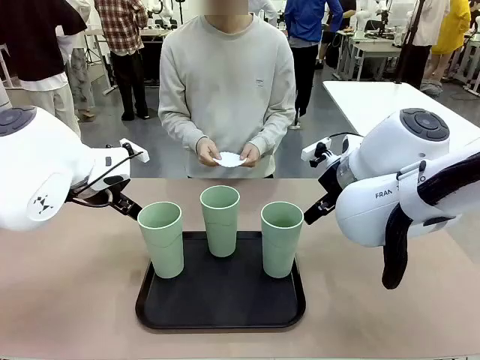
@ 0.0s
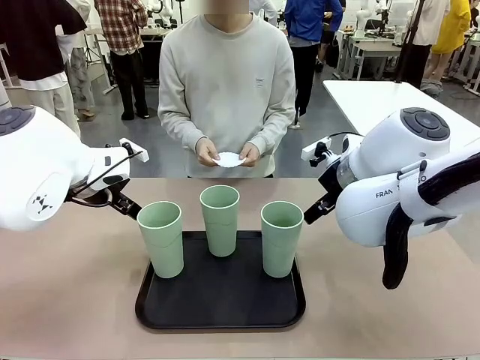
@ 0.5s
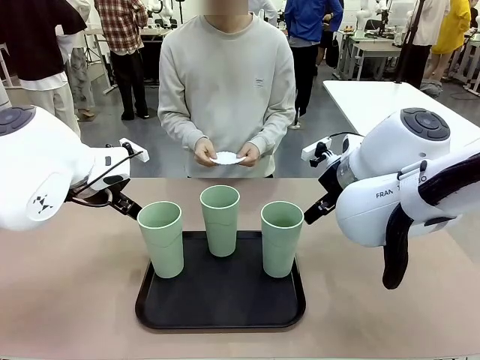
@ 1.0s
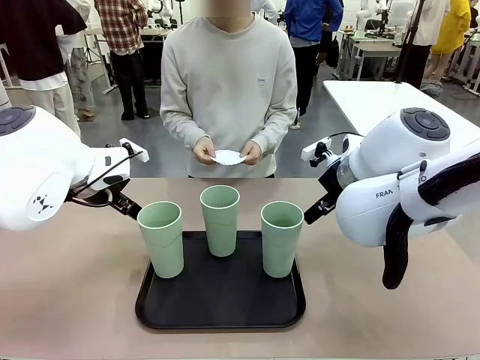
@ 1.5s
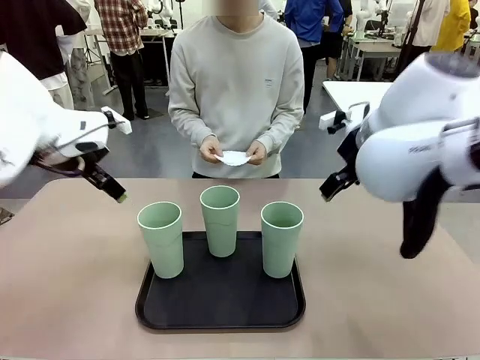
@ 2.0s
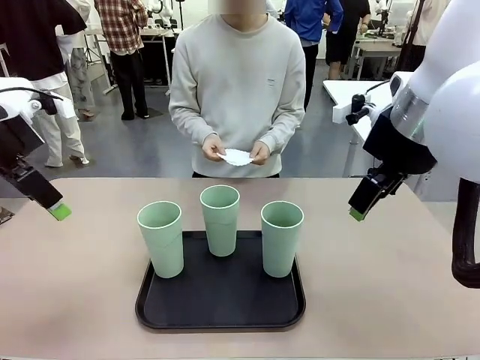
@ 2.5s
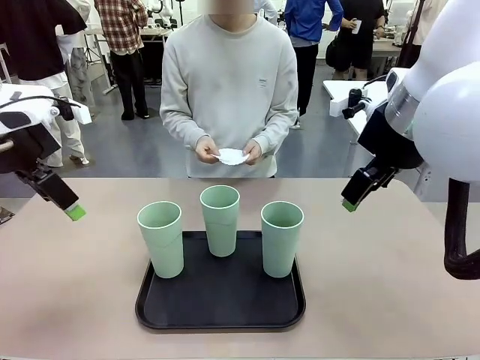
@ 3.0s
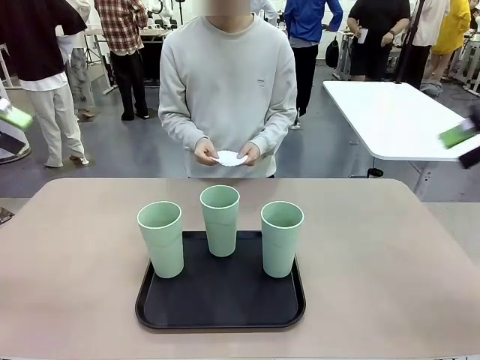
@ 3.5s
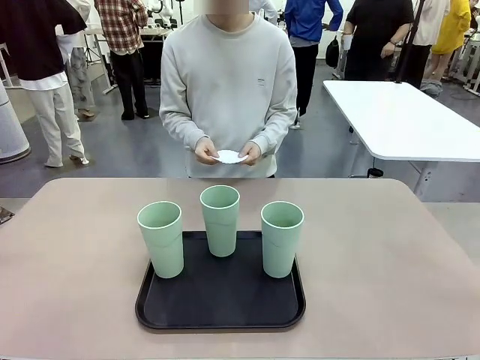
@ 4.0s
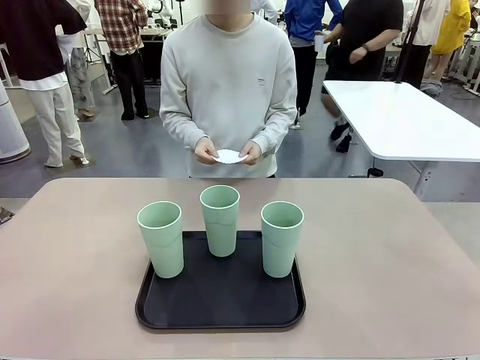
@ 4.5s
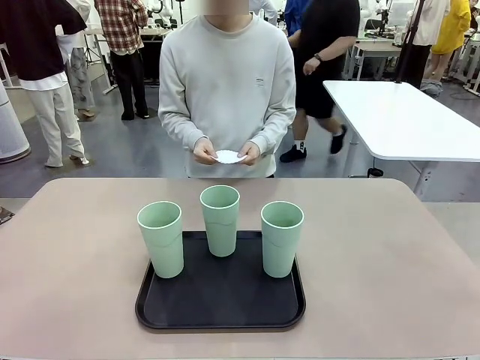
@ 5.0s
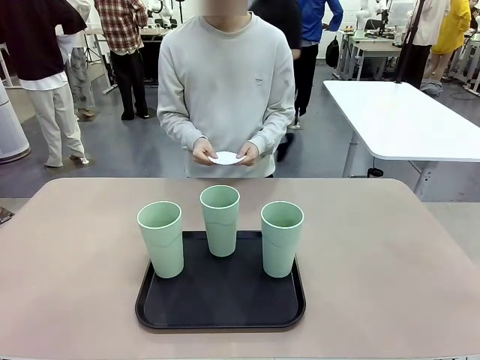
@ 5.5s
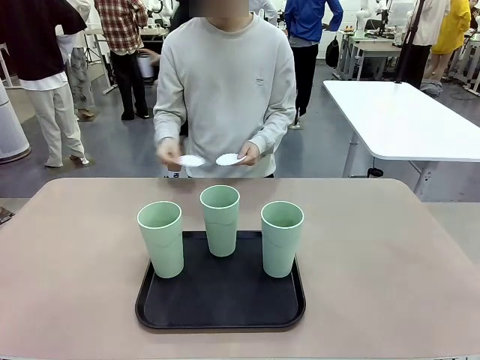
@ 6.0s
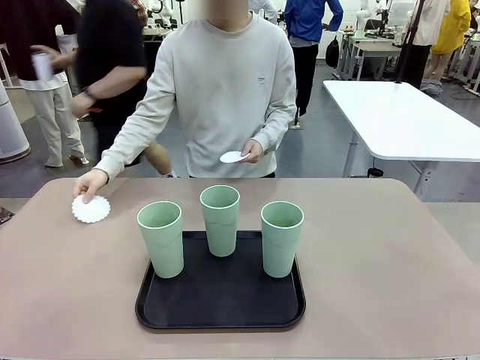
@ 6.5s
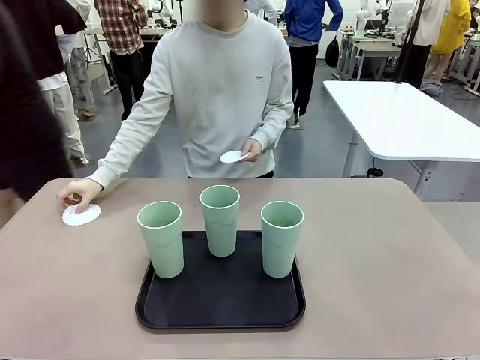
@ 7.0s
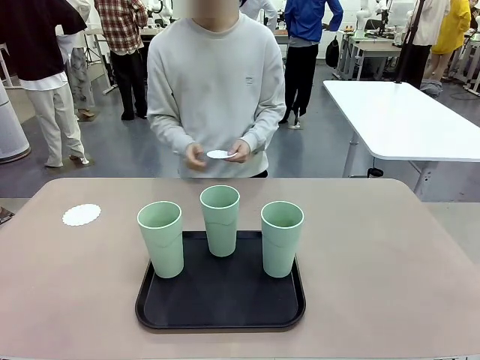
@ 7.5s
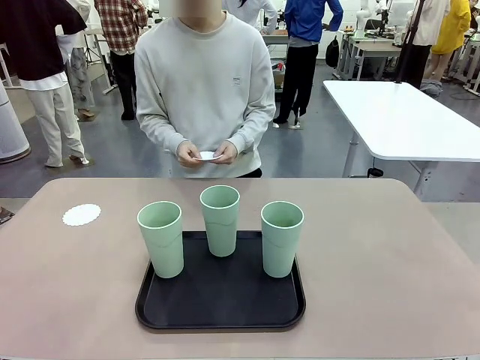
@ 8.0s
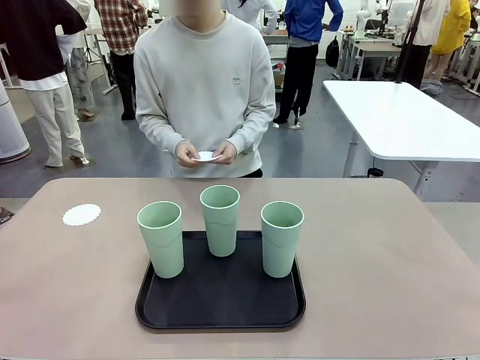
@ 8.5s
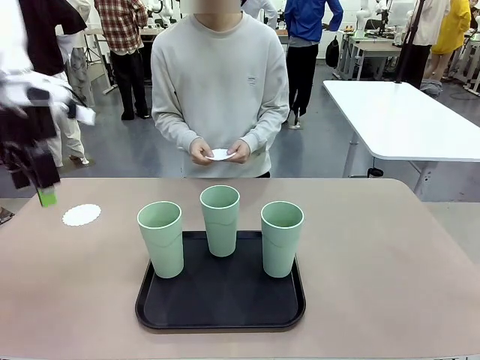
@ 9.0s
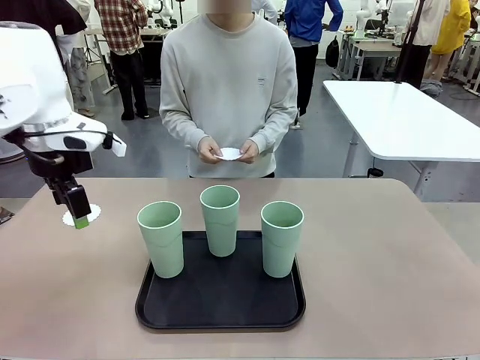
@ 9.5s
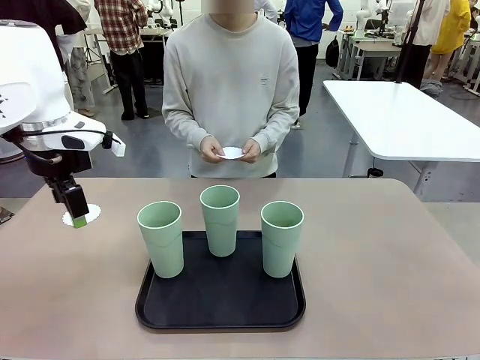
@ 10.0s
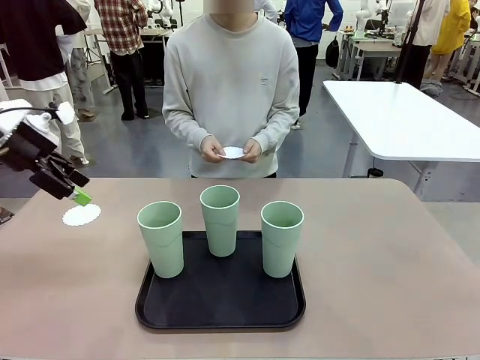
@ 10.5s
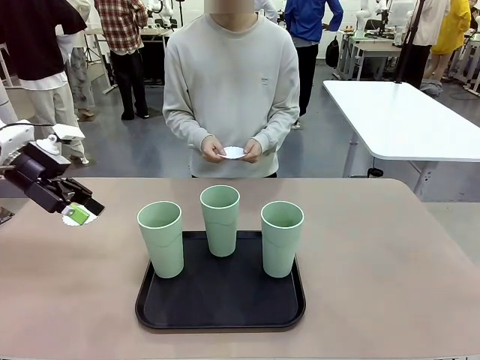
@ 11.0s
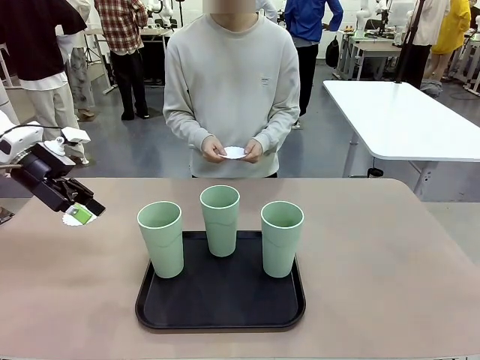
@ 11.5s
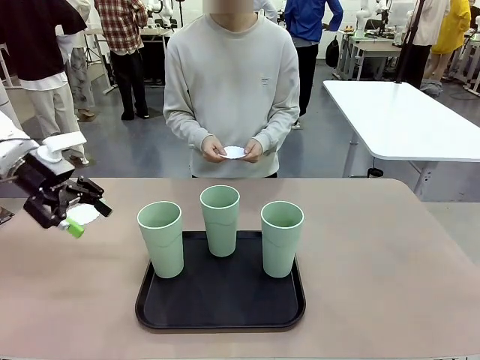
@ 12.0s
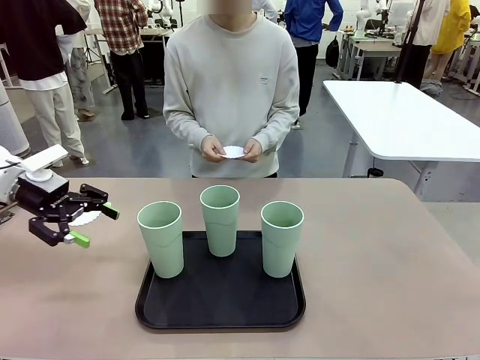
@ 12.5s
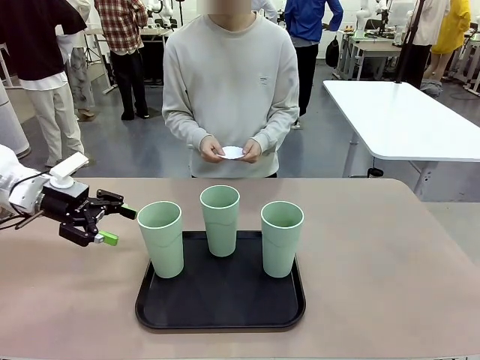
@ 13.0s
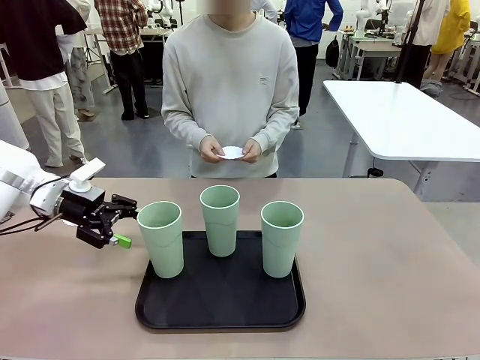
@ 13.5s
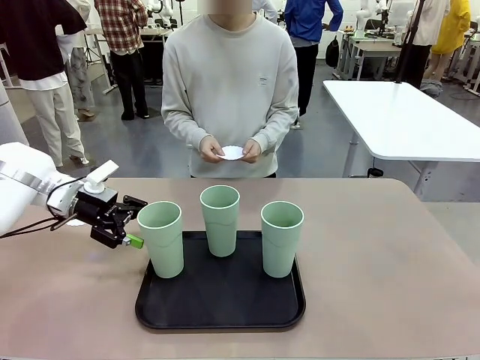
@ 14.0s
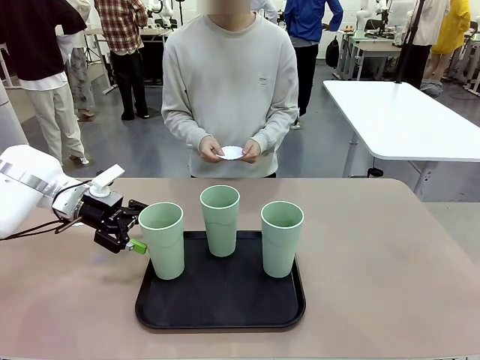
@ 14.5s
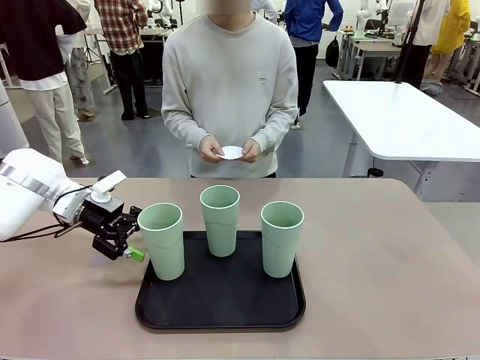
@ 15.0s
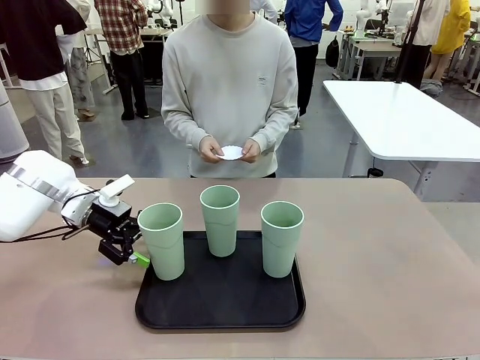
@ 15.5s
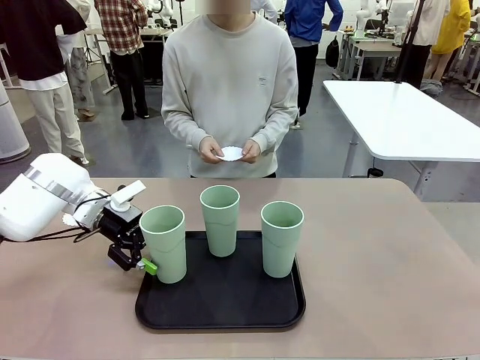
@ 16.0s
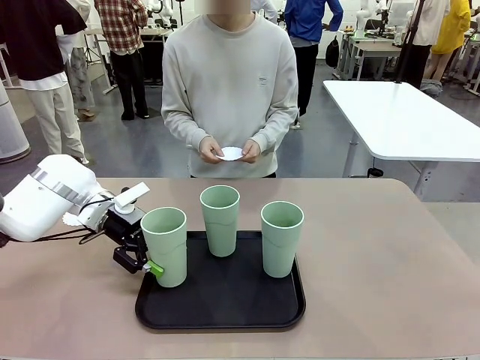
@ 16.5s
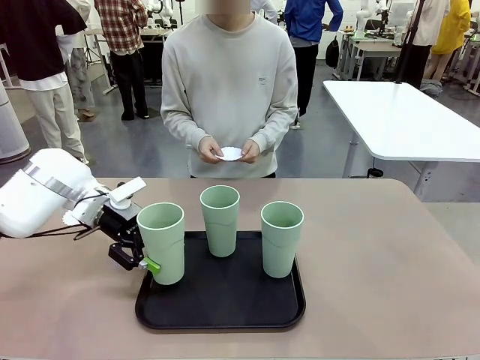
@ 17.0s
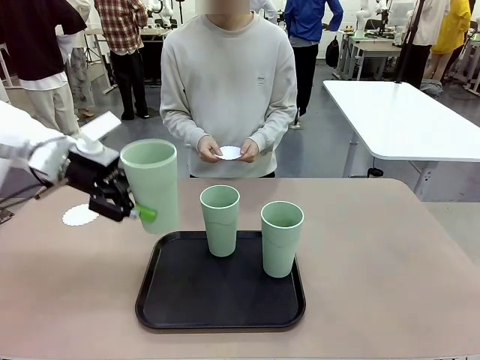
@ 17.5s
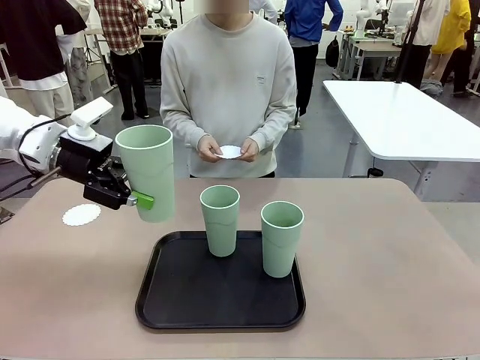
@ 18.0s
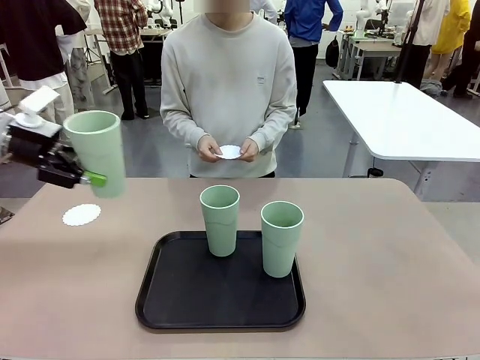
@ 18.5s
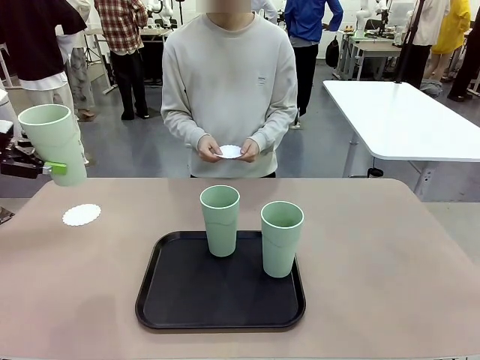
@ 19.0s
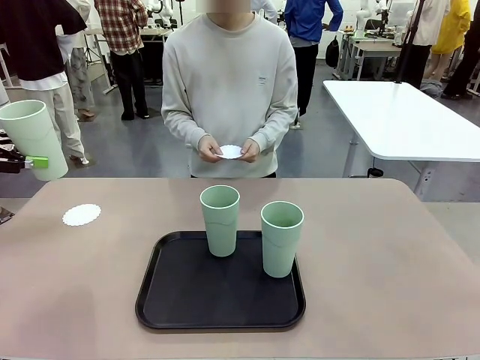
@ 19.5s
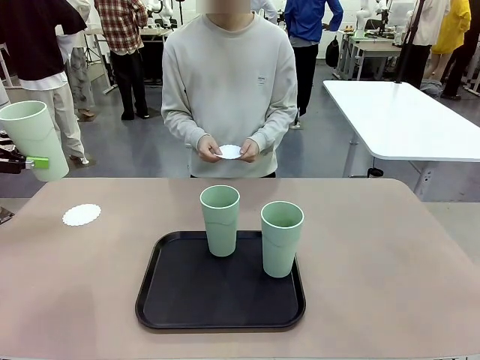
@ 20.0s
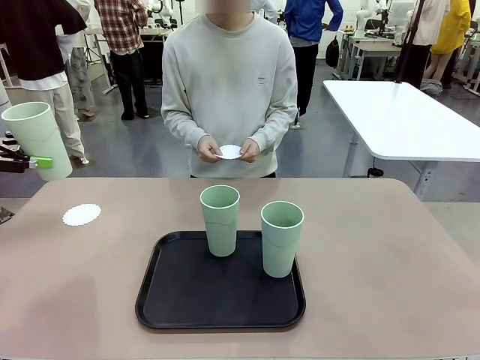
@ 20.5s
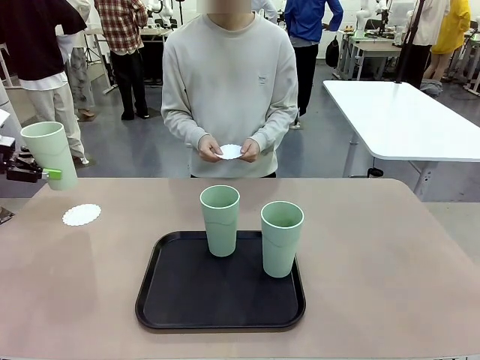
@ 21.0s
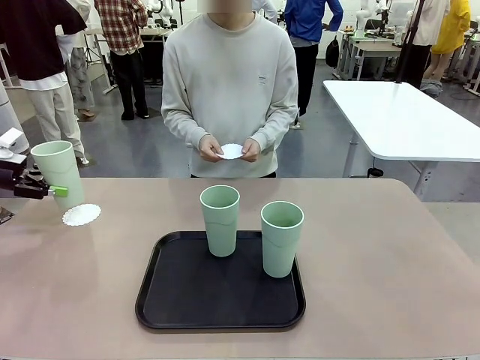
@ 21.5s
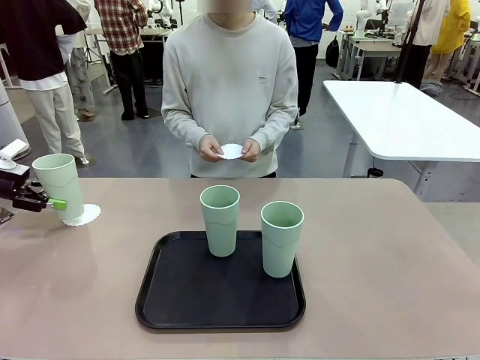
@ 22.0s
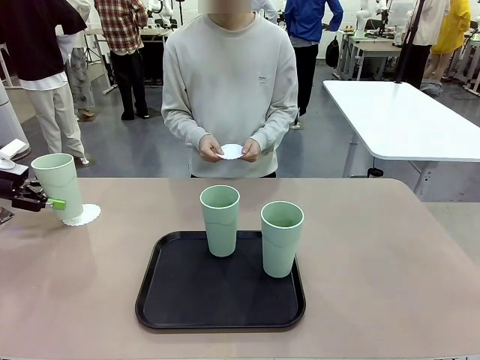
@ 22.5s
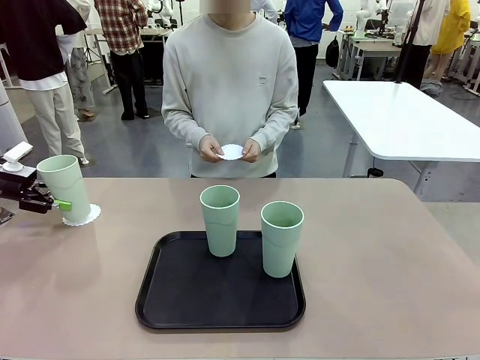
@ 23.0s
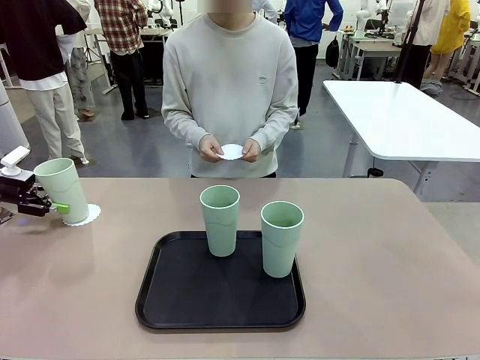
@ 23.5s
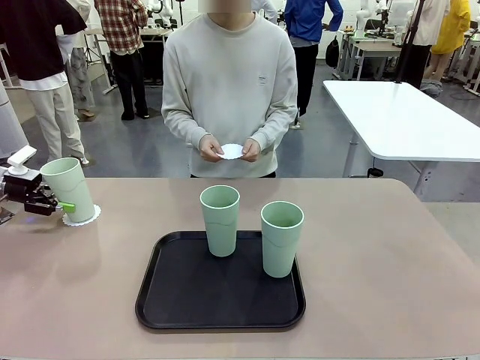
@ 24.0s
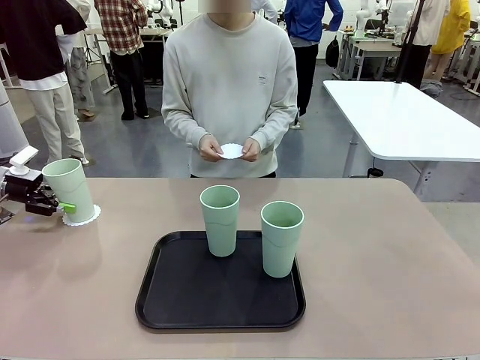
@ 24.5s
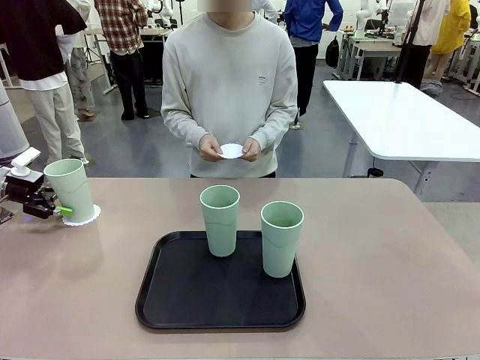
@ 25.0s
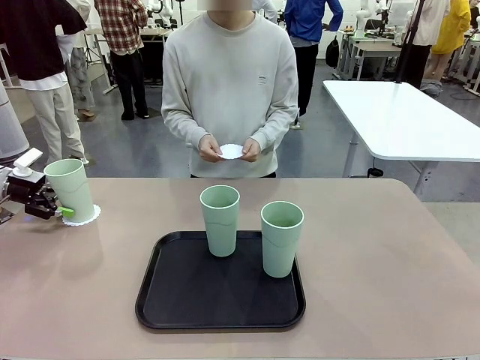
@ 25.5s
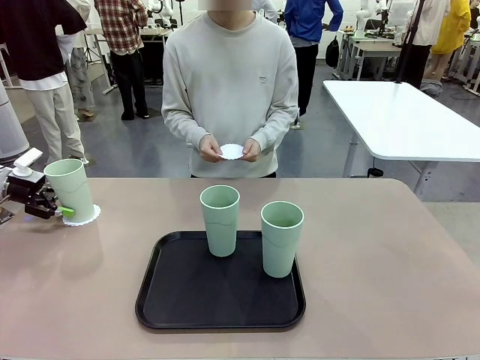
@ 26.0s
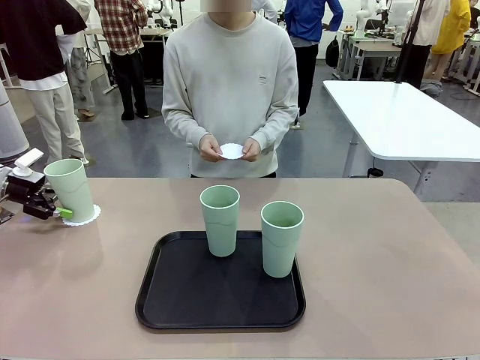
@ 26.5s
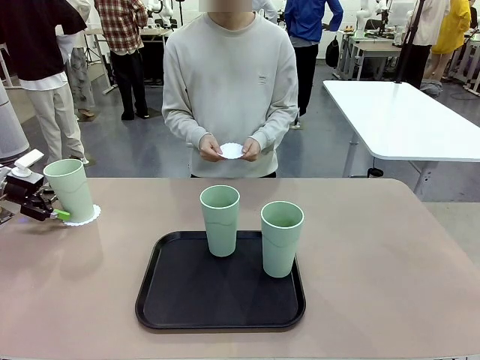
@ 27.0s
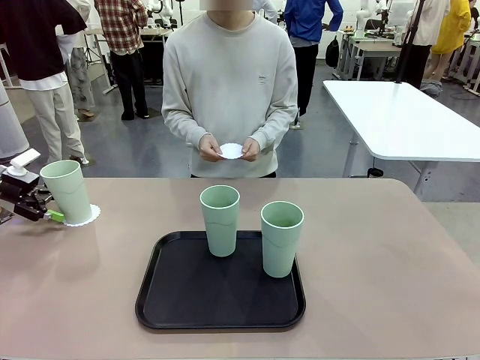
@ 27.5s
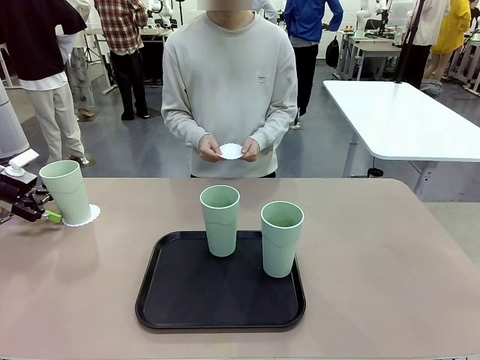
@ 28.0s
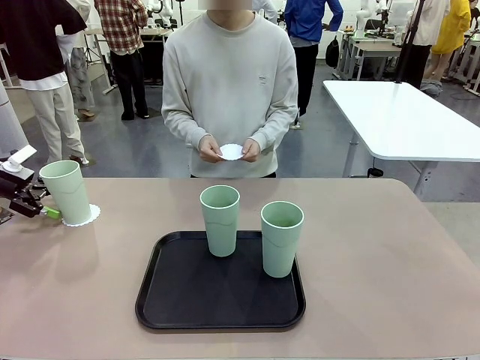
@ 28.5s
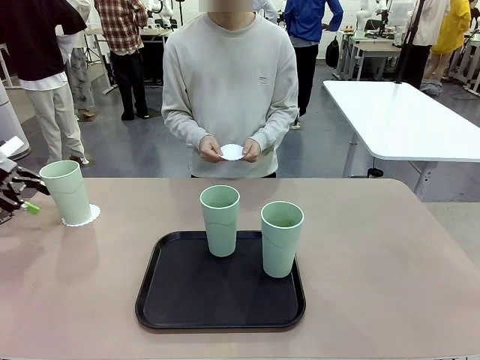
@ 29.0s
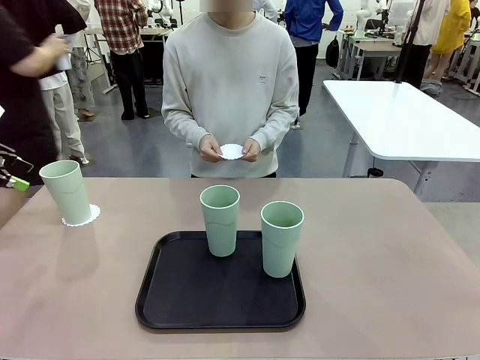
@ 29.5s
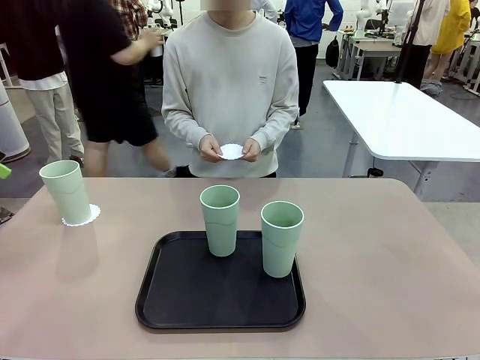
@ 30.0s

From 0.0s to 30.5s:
Task: Place coasters on the table and set cups on them.
Robot: Pick up one Reusable plastic cup and place it on a coaster set by the human.
Person: Place one coaster in any one of the three lower areas of the robot table (left, center, or right). Place one coaster in one of the two areas excluding the previously selected area.
